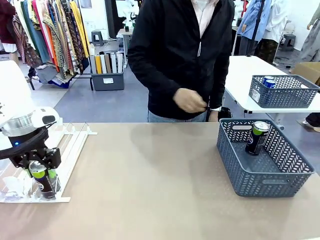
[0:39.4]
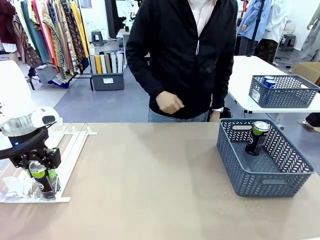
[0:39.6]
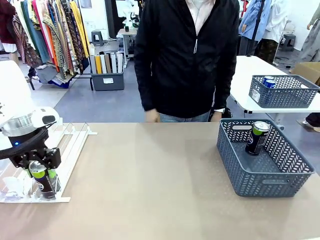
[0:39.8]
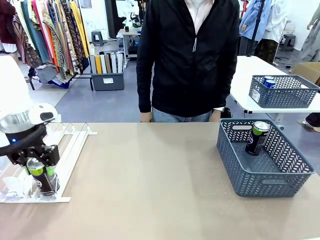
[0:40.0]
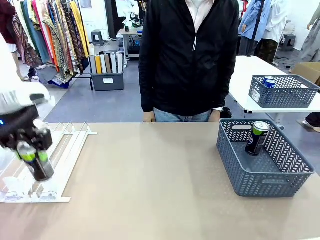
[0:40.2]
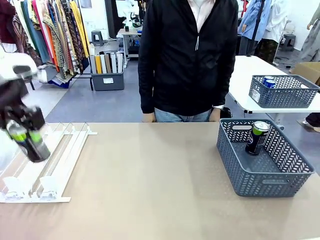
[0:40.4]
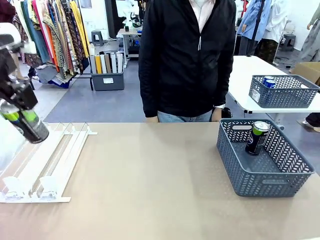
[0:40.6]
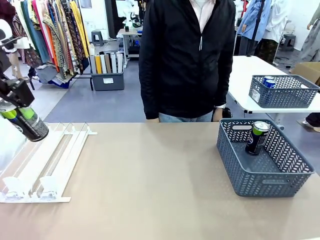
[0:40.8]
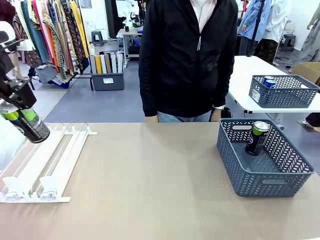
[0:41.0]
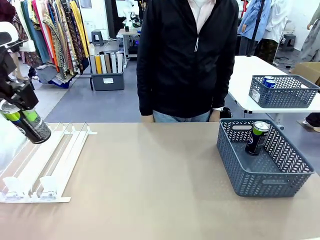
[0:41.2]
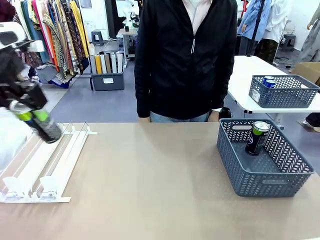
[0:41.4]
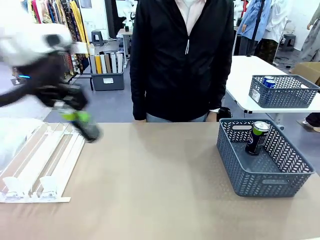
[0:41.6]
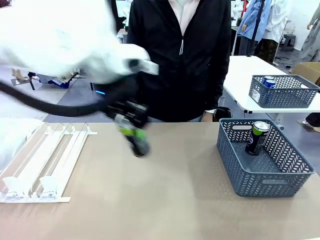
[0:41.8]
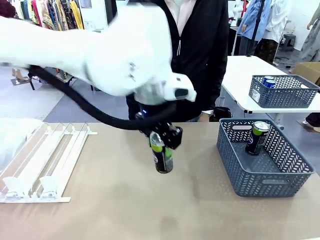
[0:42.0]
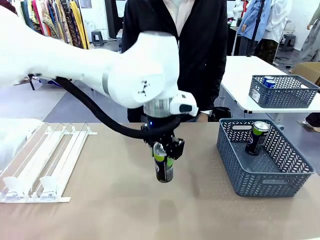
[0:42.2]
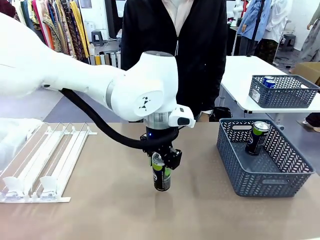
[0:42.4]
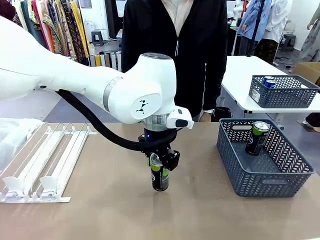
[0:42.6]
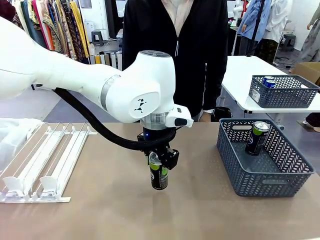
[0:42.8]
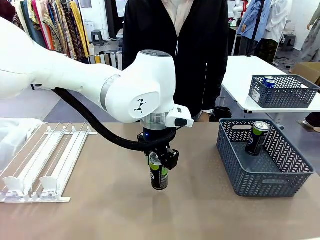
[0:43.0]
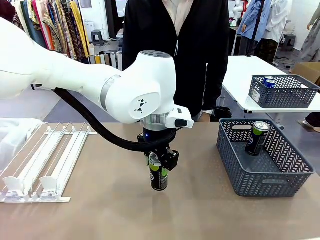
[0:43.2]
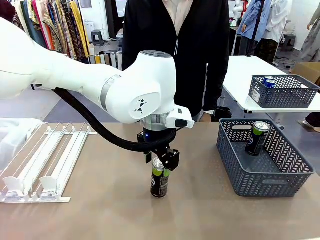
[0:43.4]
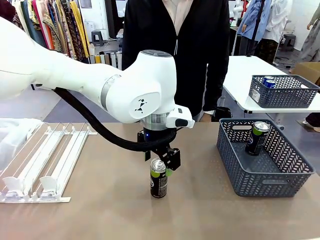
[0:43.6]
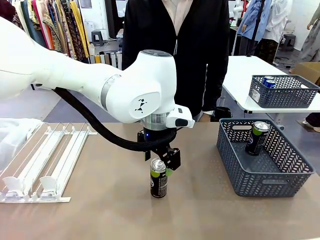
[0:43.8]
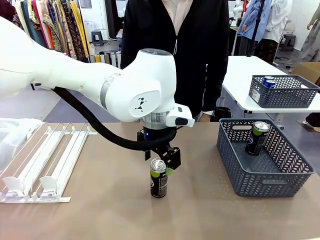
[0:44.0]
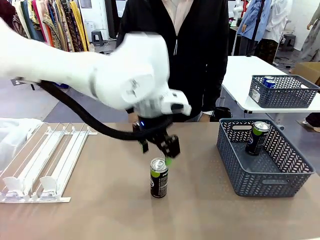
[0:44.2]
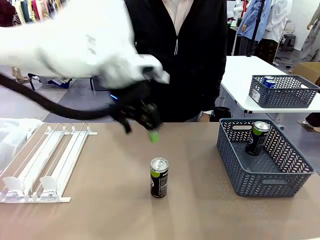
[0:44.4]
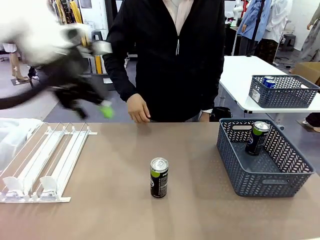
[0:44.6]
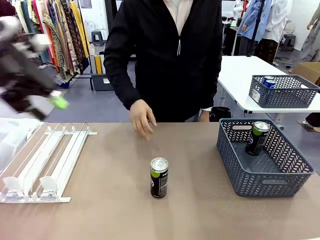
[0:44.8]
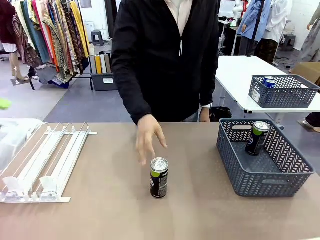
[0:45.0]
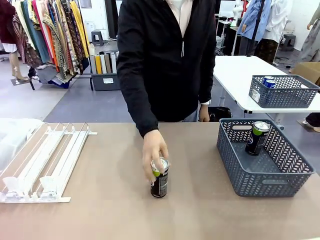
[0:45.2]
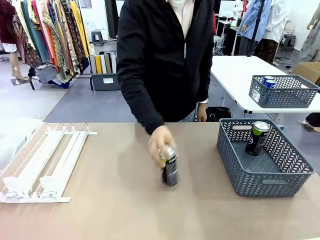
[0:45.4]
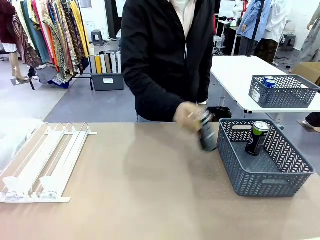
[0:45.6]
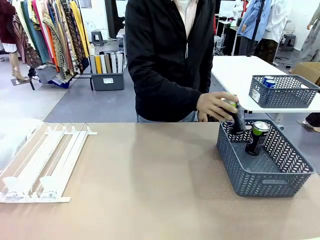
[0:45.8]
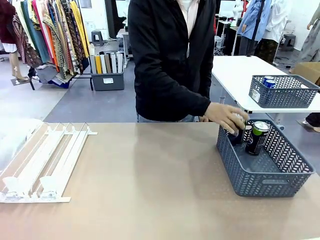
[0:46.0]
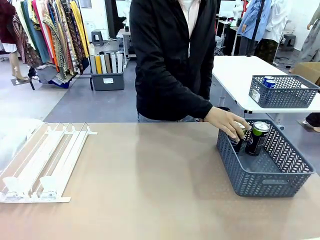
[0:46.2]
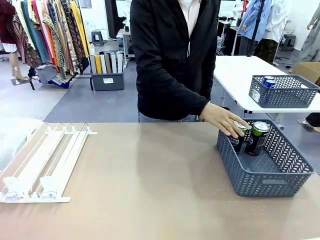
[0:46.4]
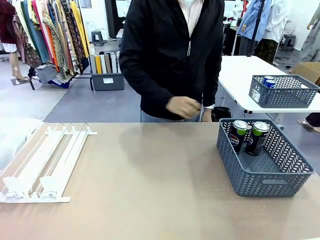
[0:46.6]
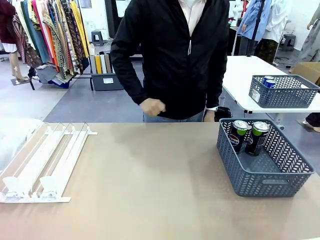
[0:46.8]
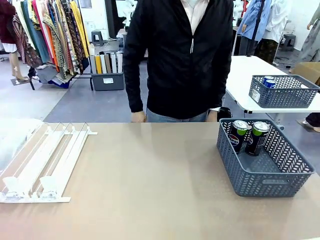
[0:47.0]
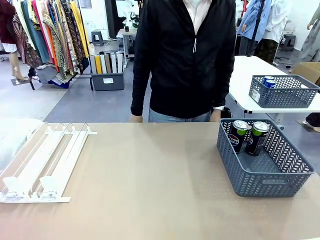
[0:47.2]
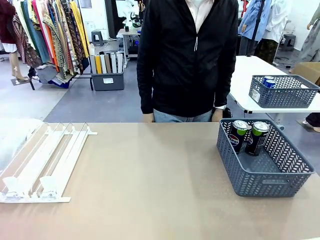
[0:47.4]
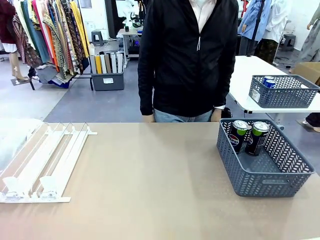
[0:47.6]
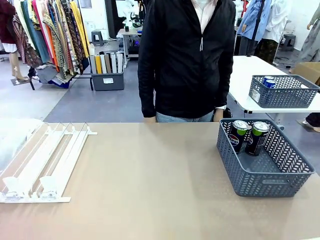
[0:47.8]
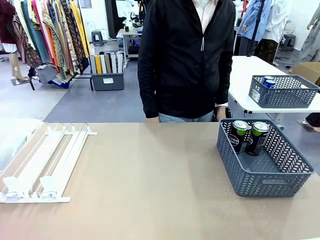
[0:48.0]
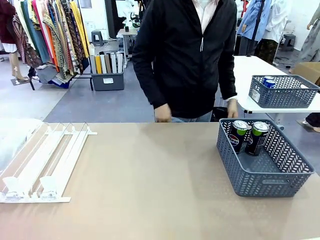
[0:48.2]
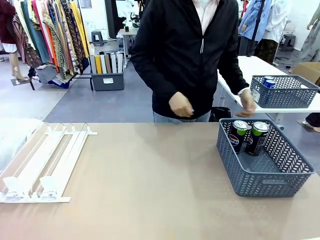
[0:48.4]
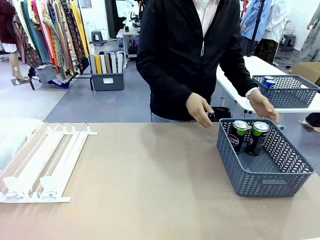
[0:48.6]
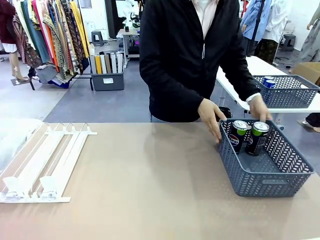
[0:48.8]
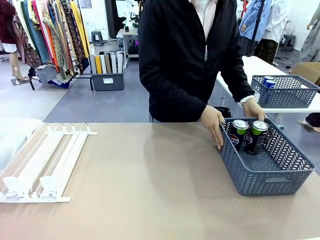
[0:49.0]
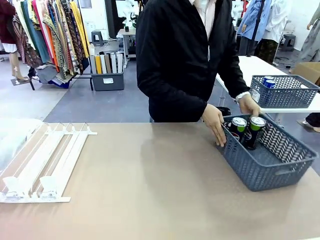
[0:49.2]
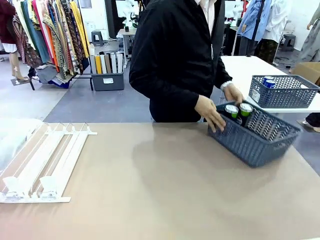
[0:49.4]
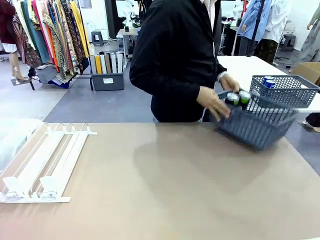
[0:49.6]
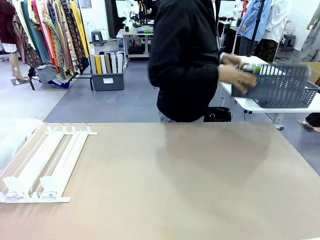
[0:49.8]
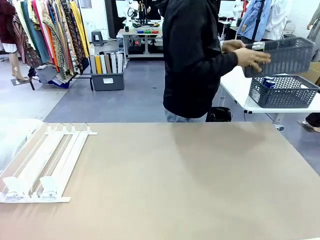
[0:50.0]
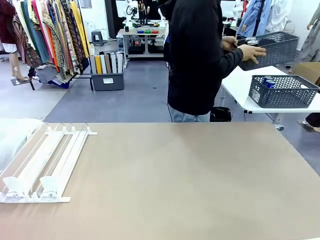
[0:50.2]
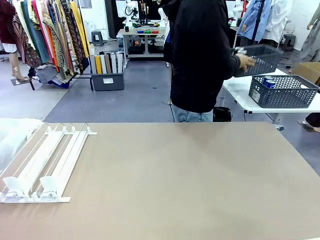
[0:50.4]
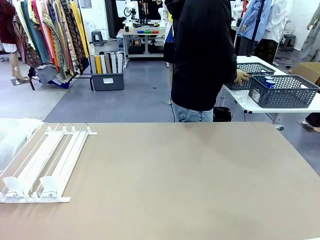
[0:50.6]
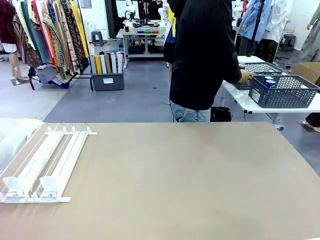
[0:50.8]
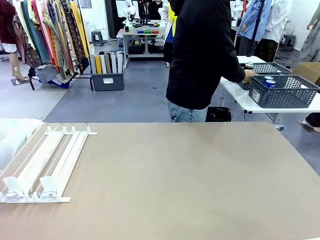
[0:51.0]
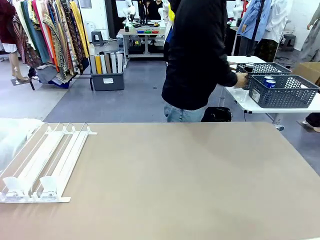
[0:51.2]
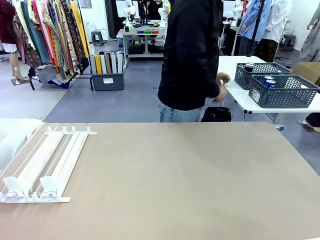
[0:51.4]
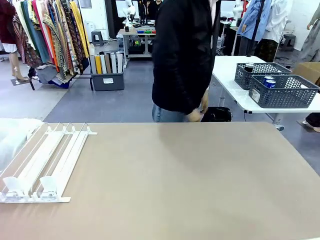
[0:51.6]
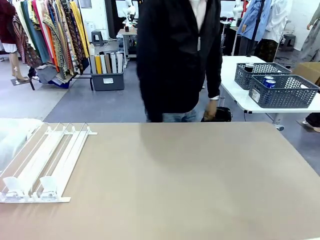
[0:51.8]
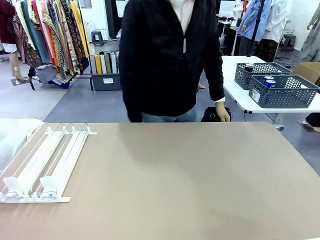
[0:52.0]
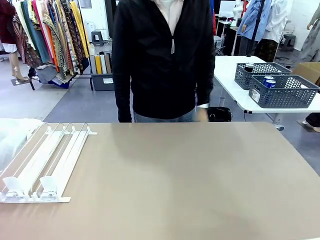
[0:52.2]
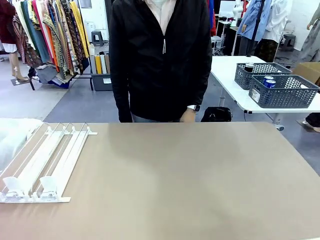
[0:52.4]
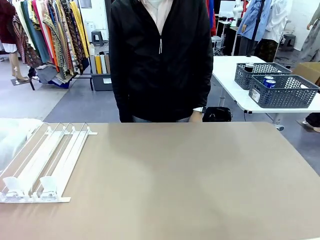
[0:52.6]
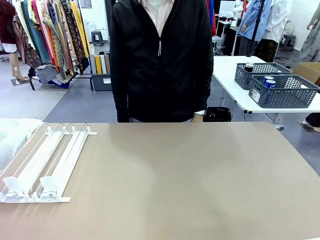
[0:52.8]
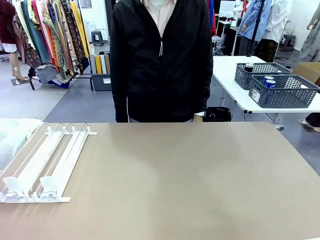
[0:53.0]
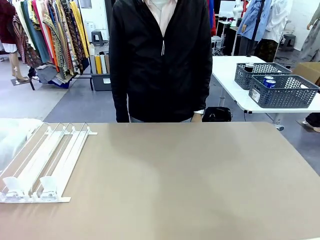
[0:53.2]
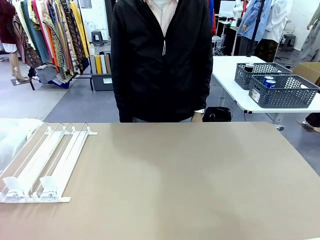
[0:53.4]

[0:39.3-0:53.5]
Task: Retrieve and store the cans from the dispenser.
Robot: Pick up one can from the Automatic Can Dispenser and place it in the middle of the table.
Person: Pick up one sports drink can from the middle of the robot table and place it in the basket. Pick up the basket and place it in the middle of the human table.
